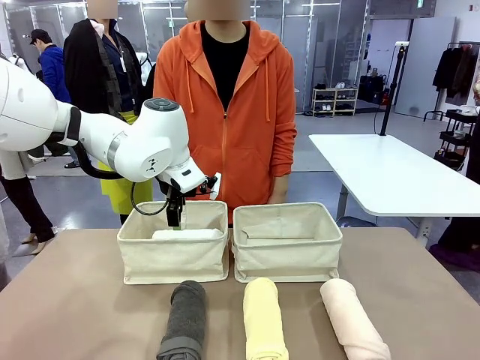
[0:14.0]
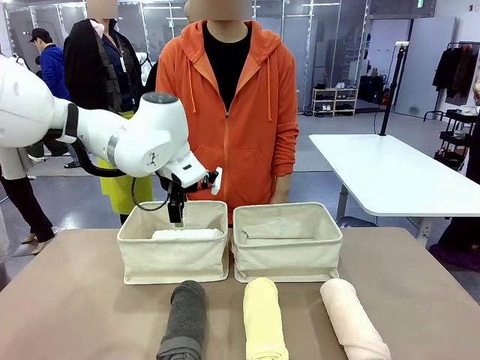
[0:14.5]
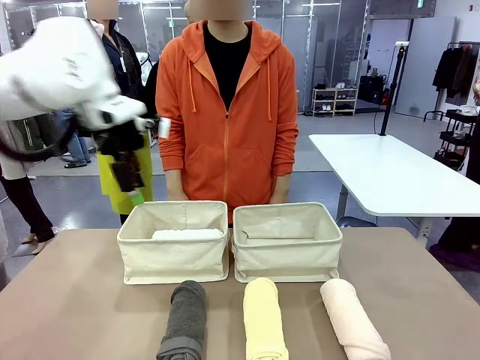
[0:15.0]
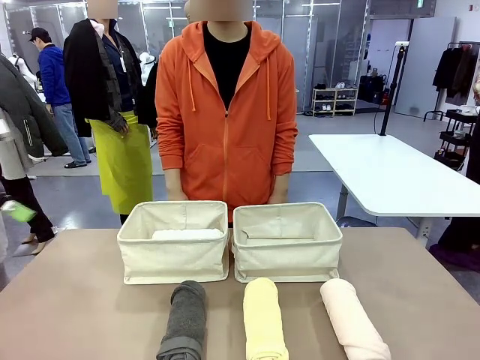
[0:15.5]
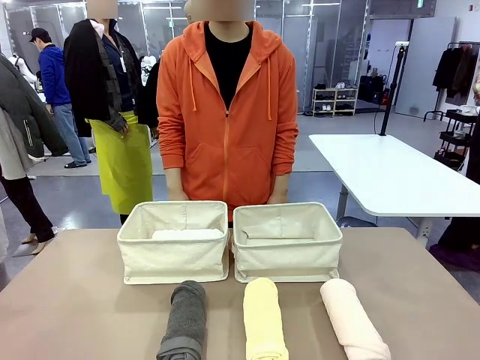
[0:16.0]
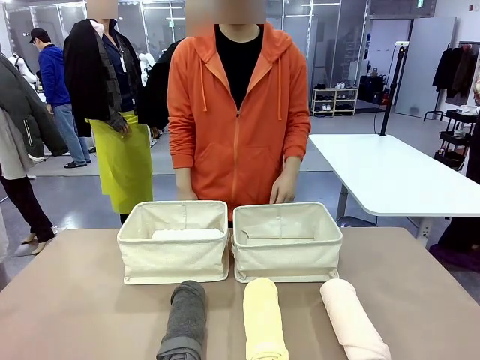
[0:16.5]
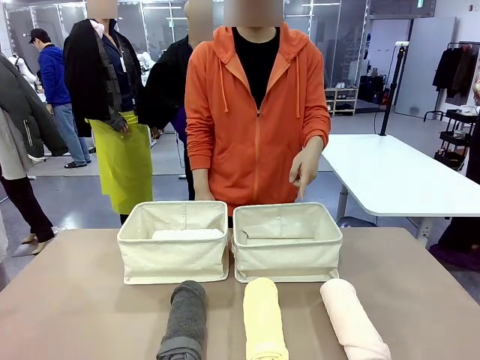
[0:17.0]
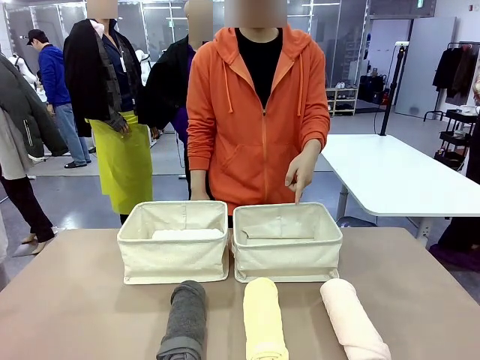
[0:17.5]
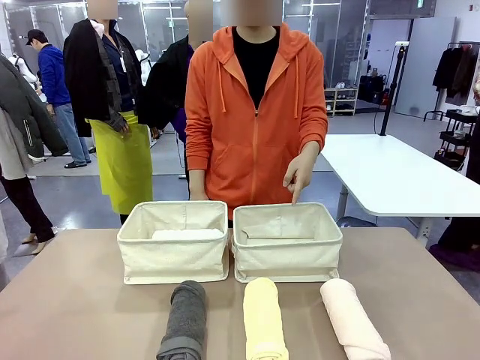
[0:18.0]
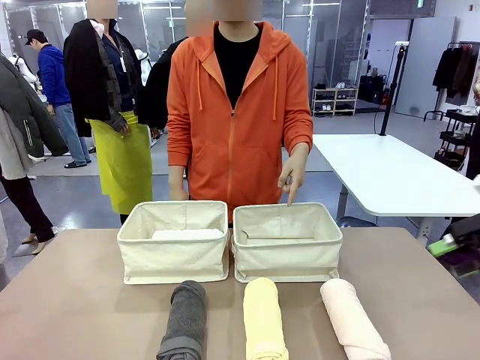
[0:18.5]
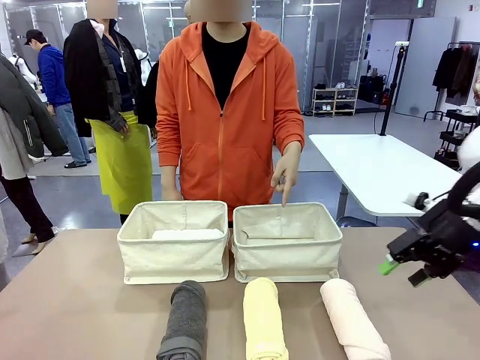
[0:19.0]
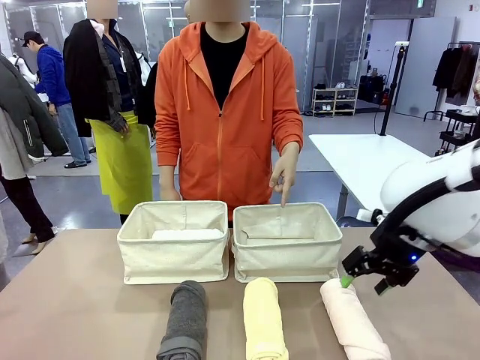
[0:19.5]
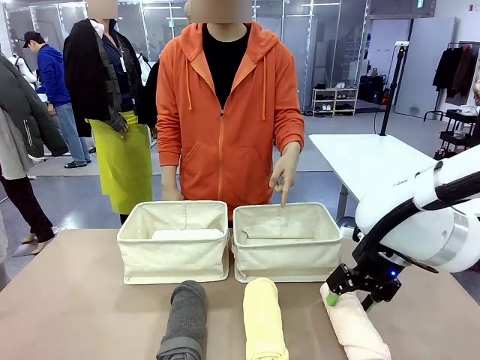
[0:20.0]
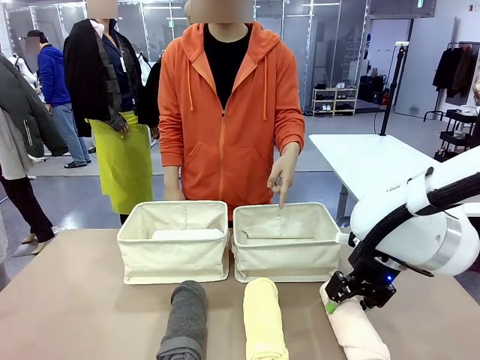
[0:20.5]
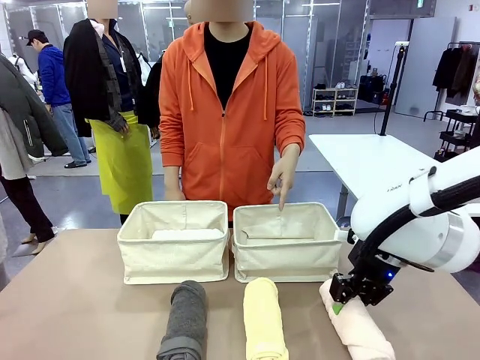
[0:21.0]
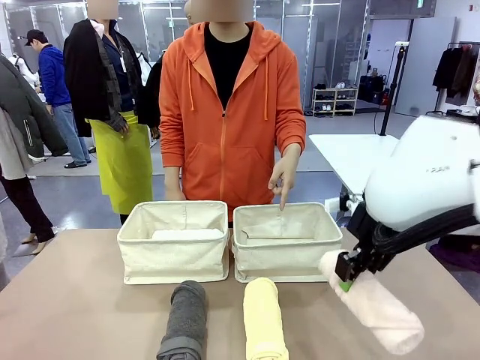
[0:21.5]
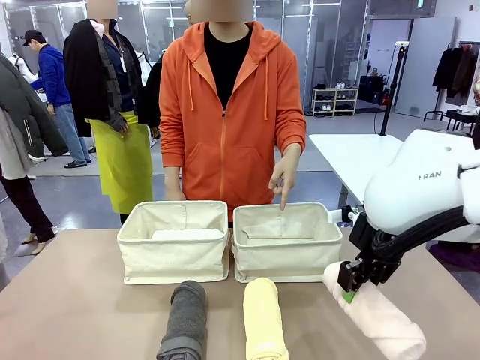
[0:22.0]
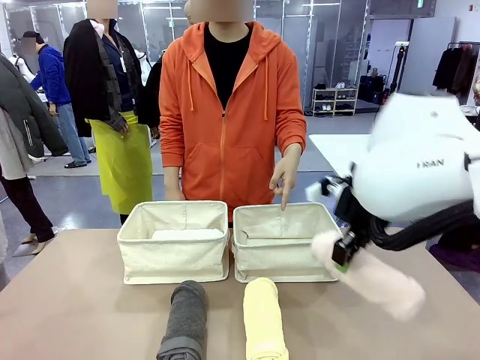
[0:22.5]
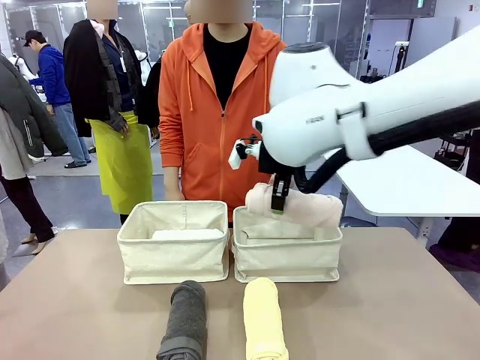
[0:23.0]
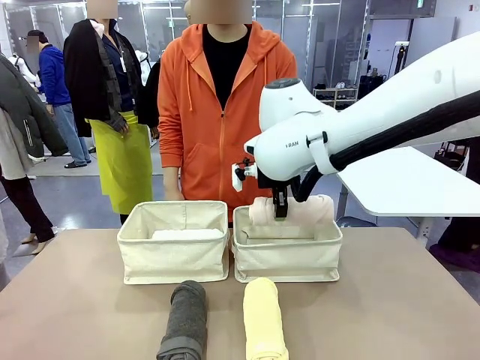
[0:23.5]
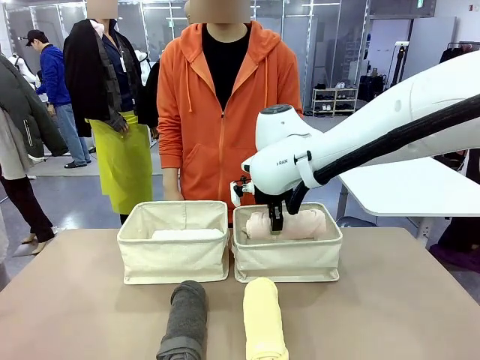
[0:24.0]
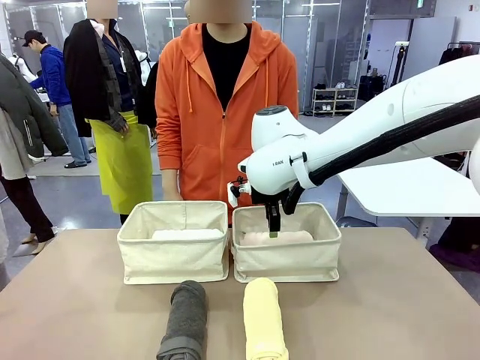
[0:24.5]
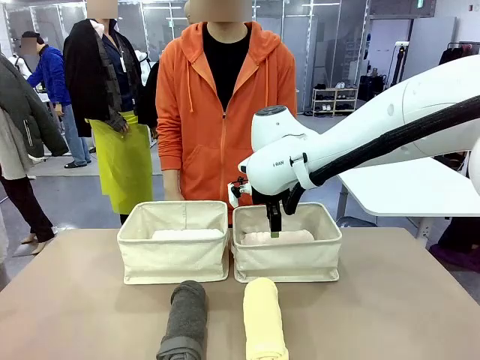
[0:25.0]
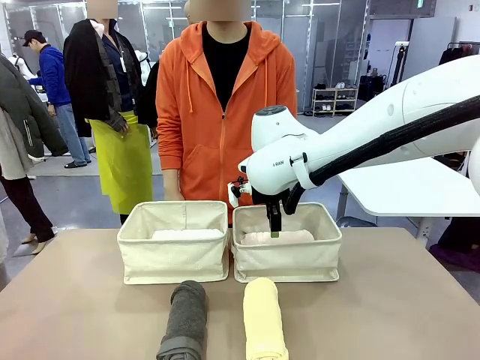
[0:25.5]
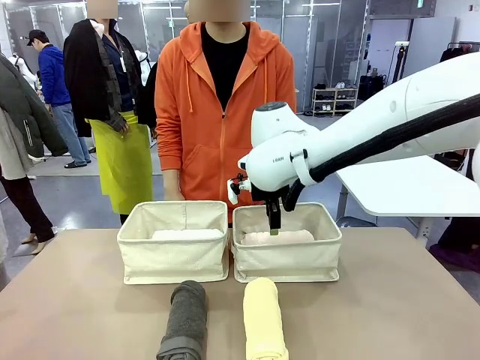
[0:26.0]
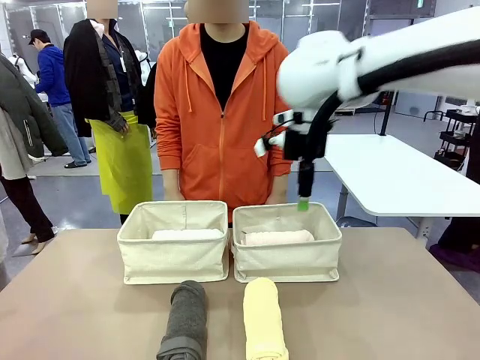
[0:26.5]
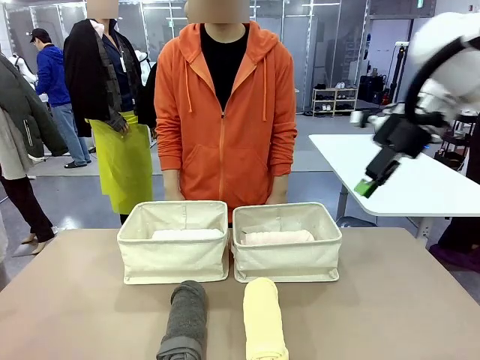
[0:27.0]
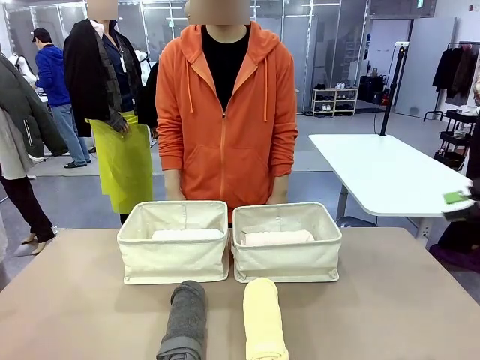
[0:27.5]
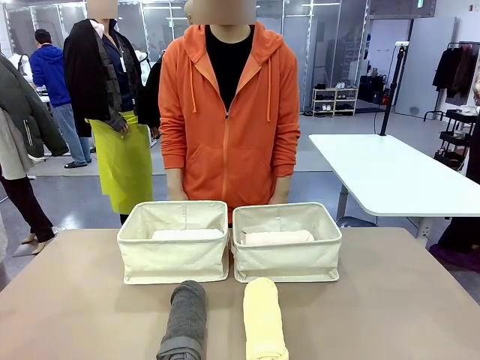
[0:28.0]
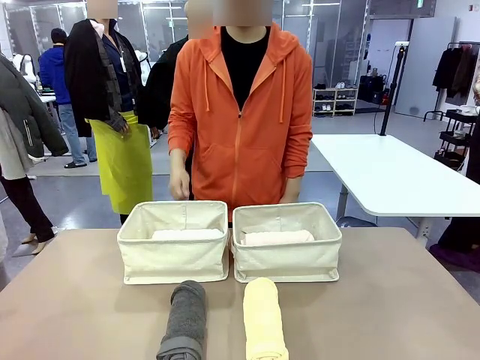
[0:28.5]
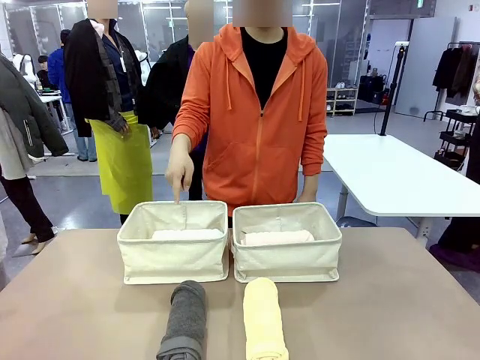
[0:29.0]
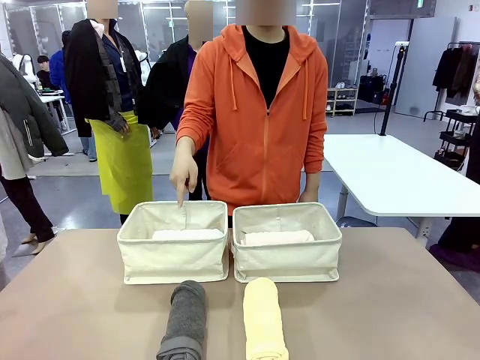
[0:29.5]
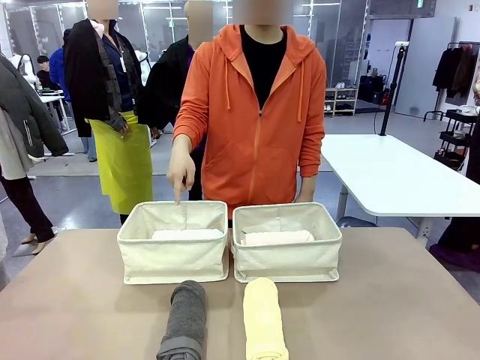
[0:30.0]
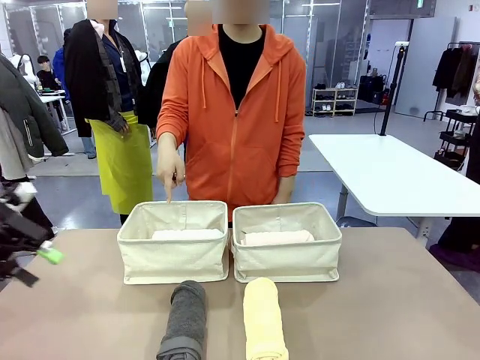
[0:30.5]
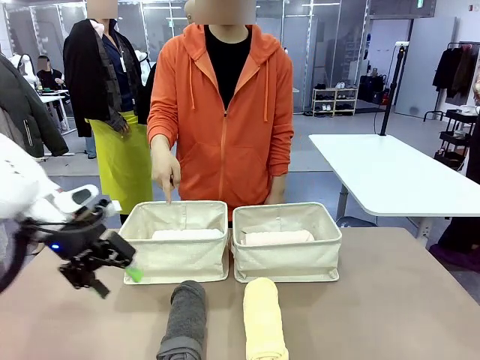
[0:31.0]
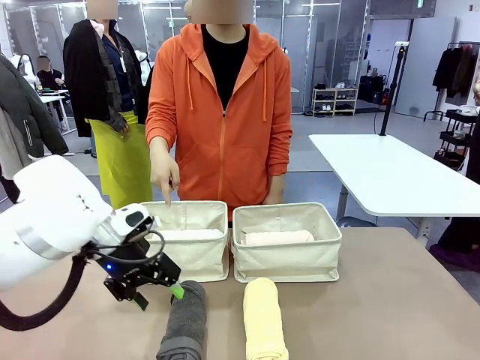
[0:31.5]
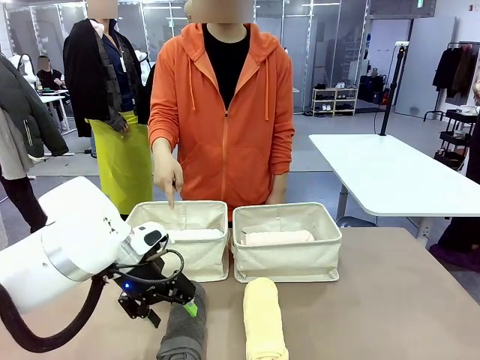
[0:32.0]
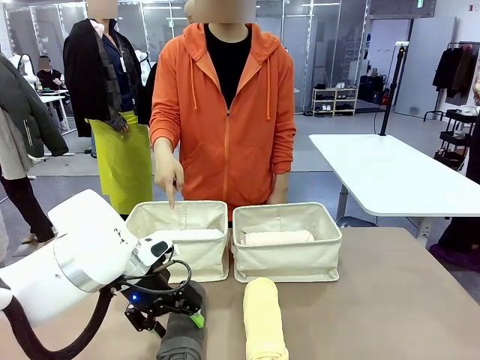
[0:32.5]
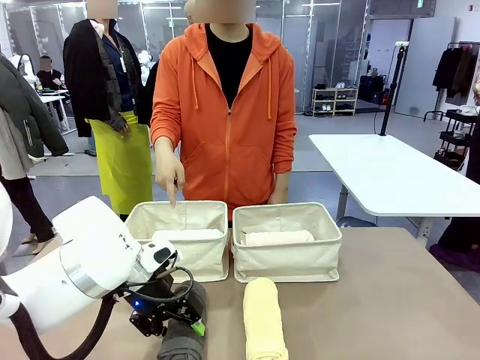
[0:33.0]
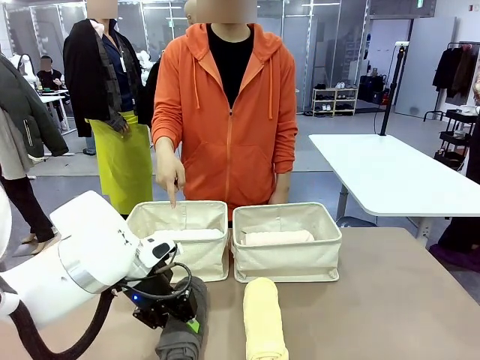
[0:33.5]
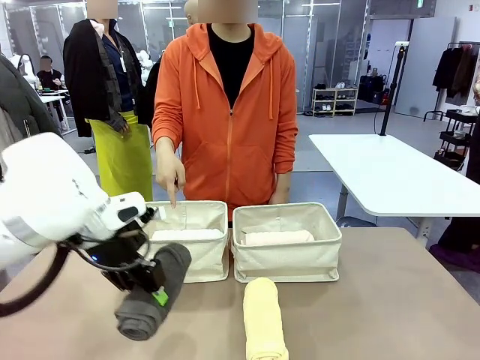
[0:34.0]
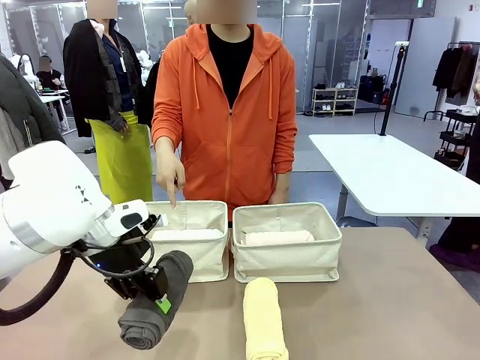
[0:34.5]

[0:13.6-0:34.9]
Task: Divide the towels into two baskets.
Robot: Pick up one hotel-folded towel from the bottom of the table and place it in the Fabric basket indicated by the person.
